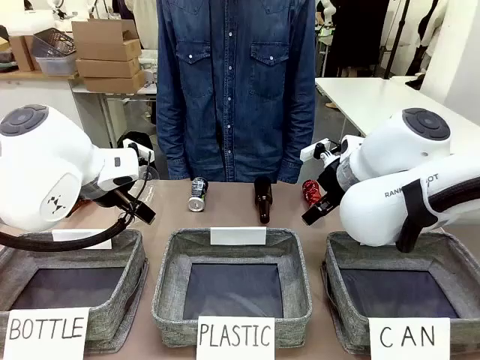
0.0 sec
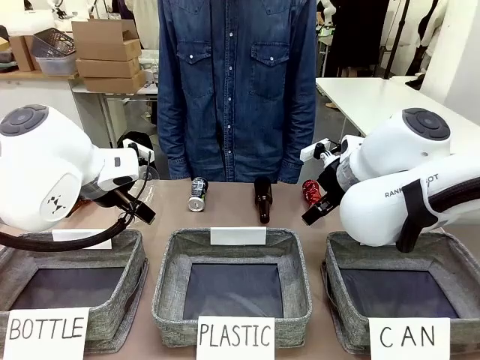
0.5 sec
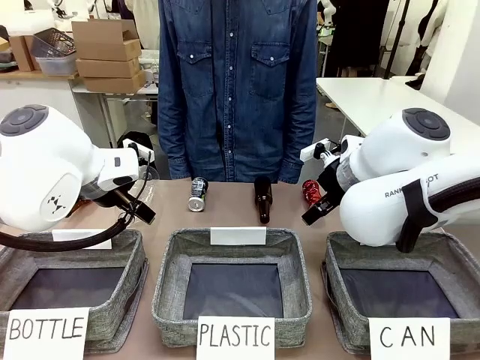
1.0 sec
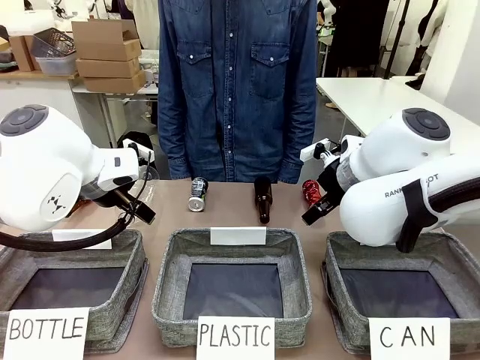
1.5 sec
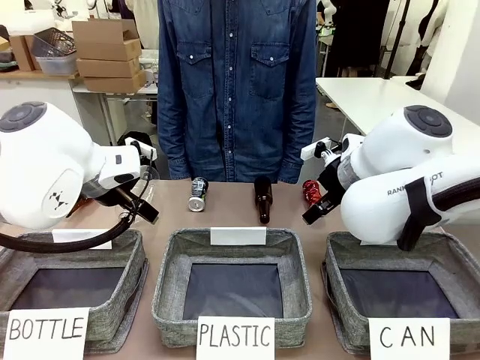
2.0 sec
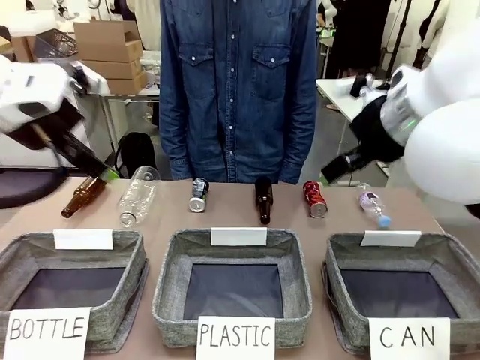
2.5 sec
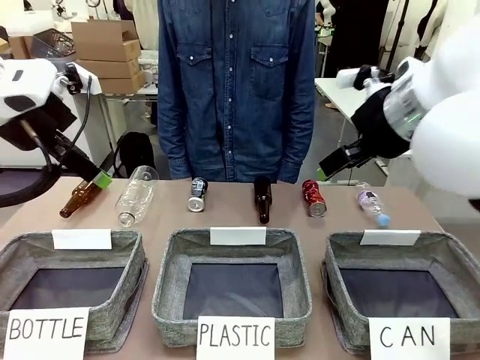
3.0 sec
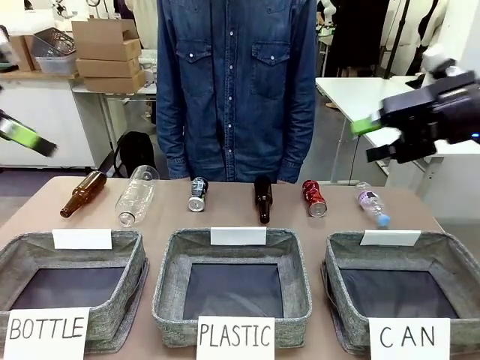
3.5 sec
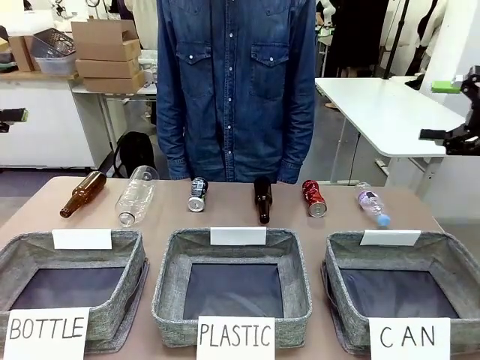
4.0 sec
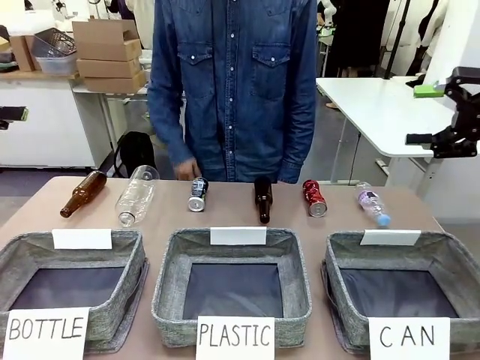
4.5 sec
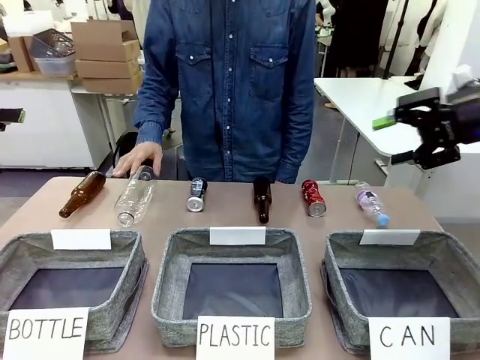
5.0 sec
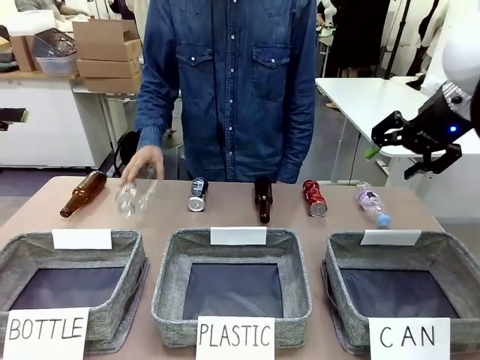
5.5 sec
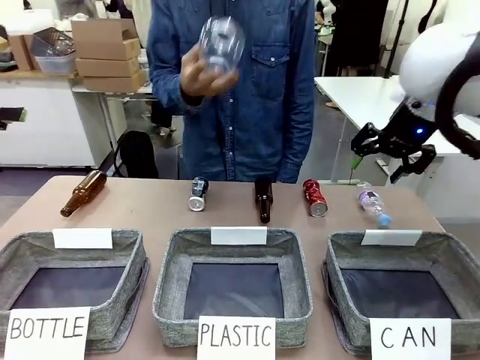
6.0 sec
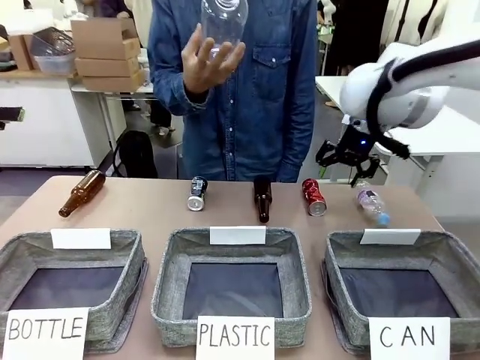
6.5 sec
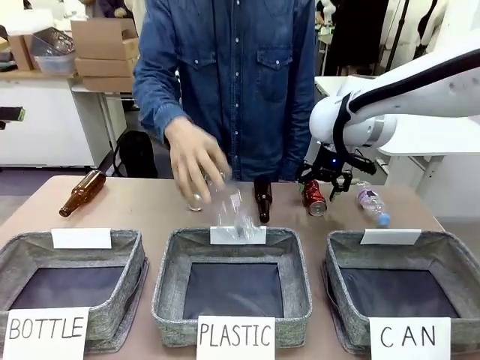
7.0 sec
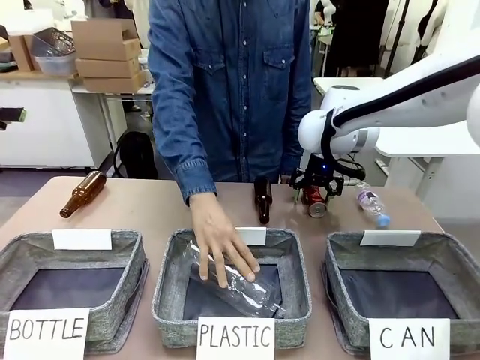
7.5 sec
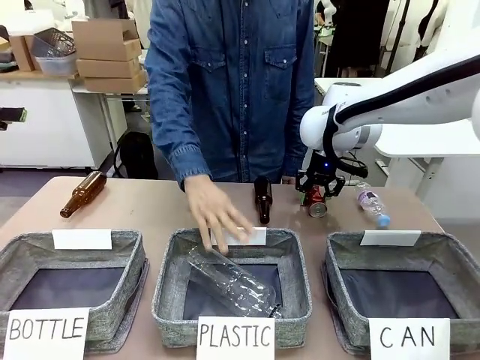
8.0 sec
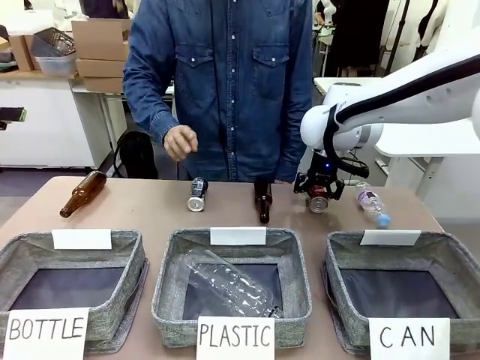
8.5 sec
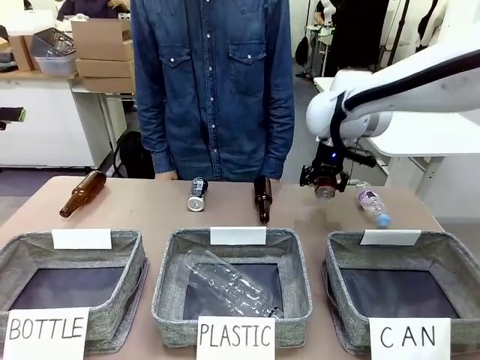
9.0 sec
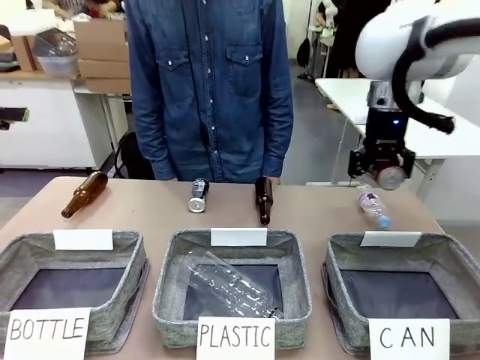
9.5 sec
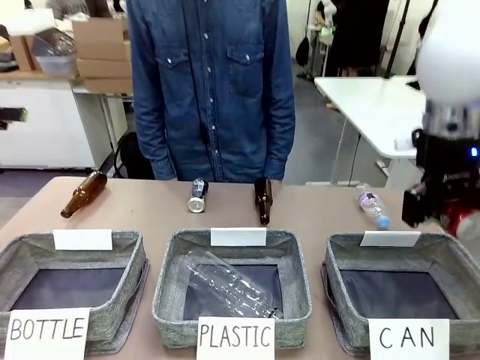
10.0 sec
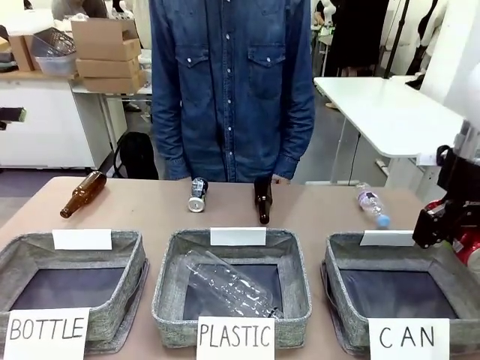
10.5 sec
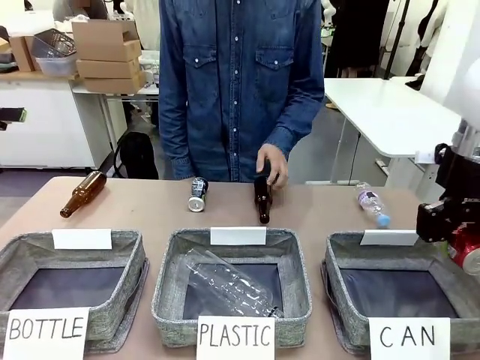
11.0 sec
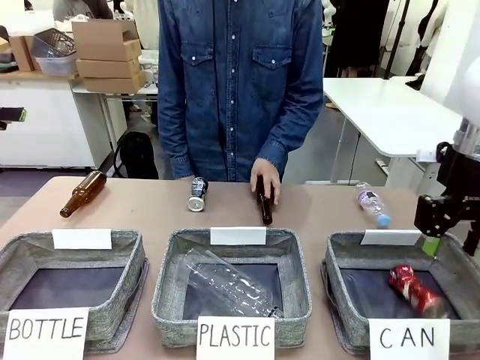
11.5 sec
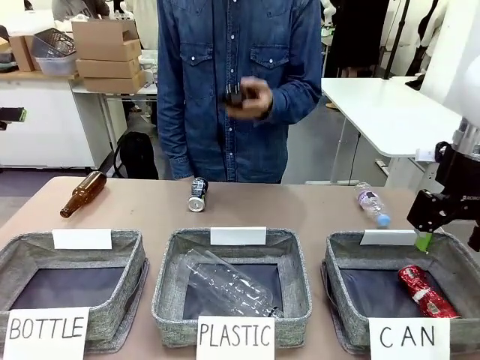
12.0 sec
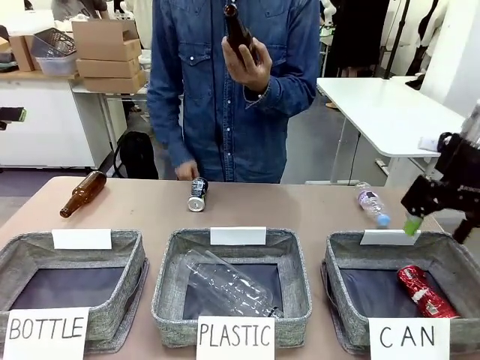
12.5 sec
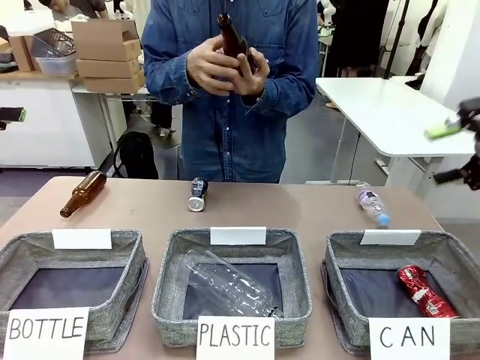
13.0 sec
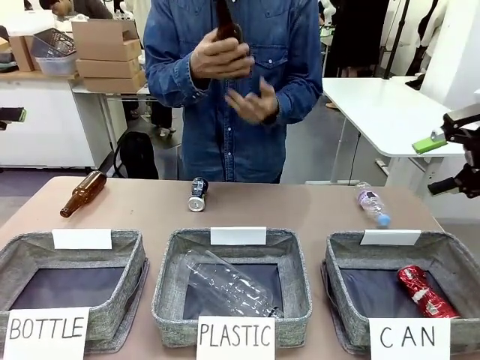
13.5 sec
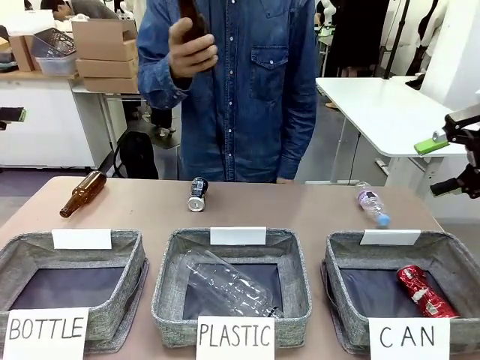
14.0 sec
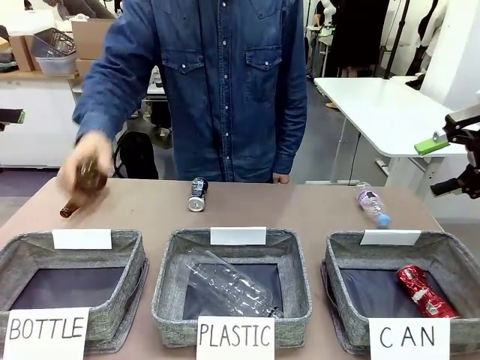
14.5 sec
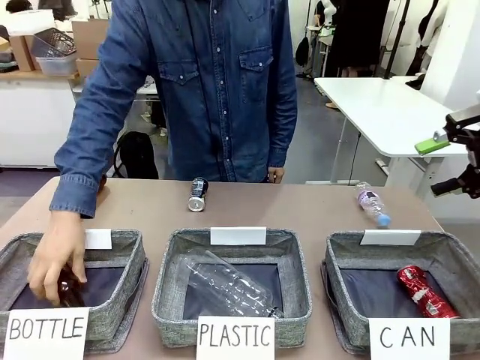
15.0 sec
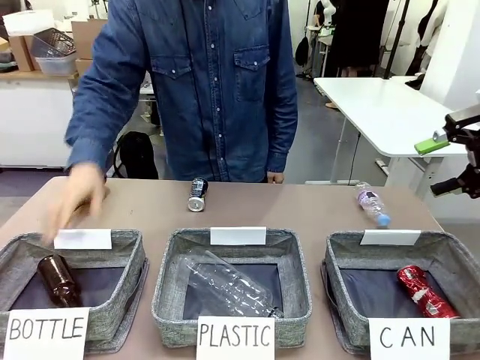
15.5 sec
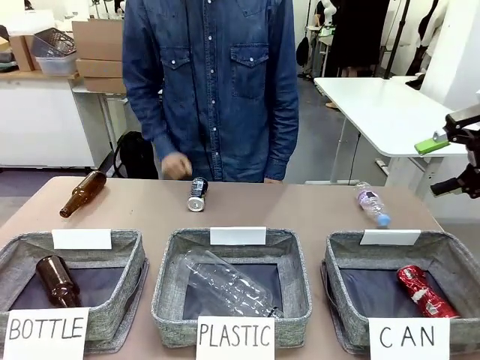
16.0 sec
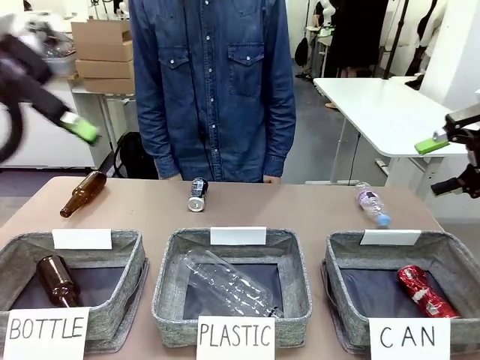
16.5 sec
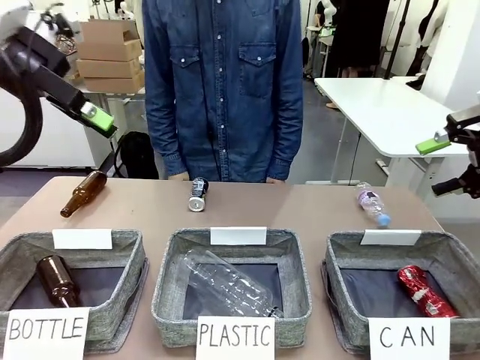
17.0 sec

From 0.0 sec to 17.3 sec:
Task: Sort the can waste into the basket.
Robot: Pick up the can waste from the table and place it in the right Fabric basket.

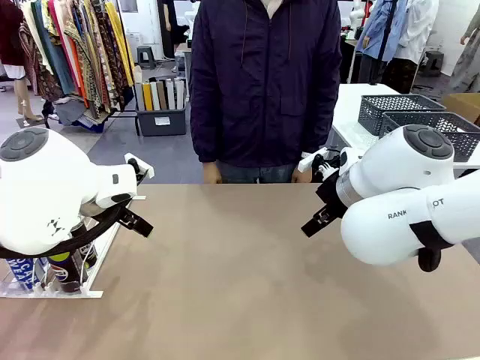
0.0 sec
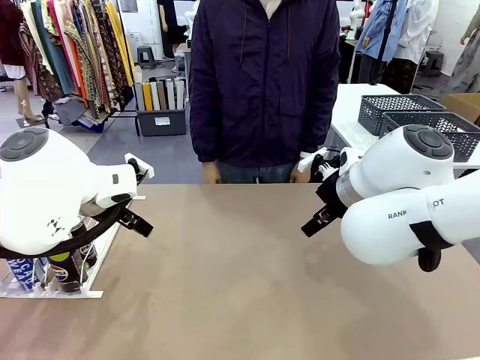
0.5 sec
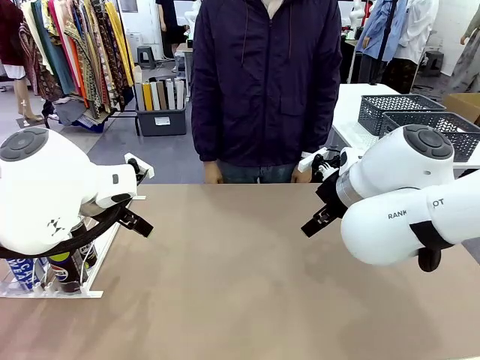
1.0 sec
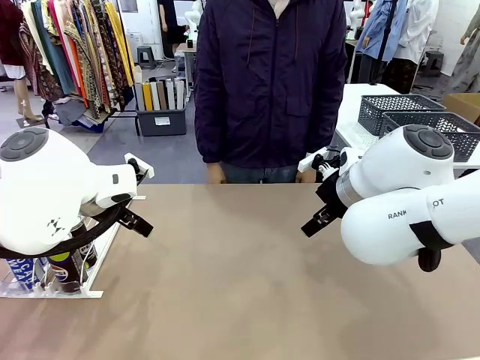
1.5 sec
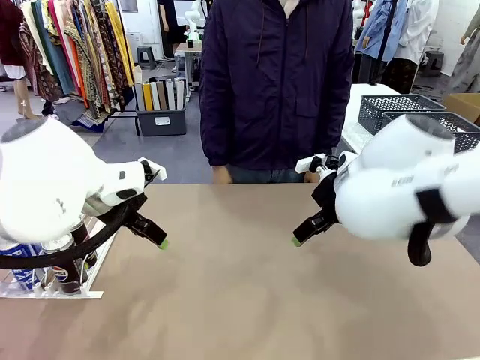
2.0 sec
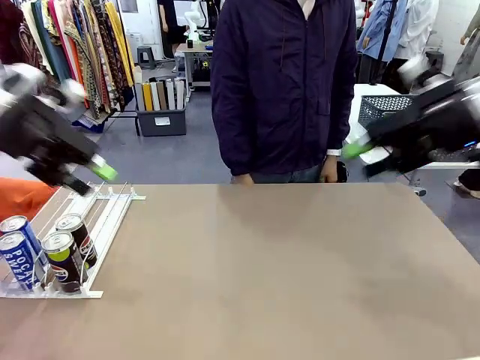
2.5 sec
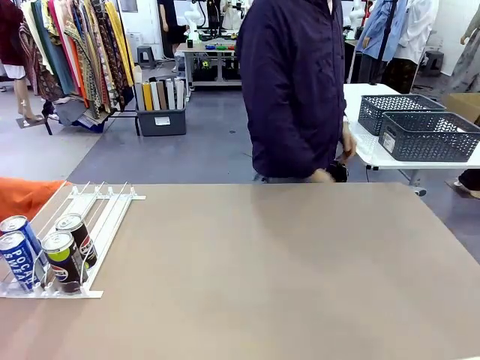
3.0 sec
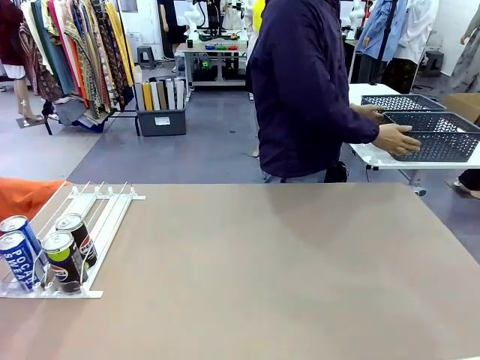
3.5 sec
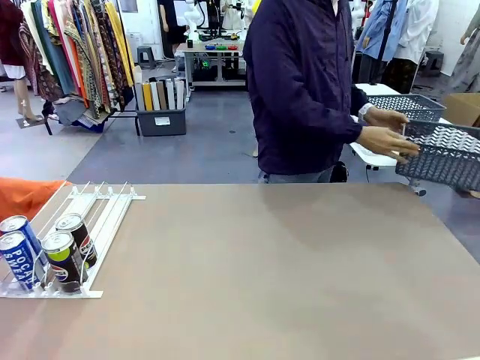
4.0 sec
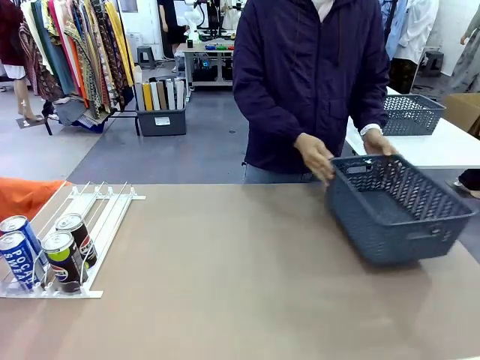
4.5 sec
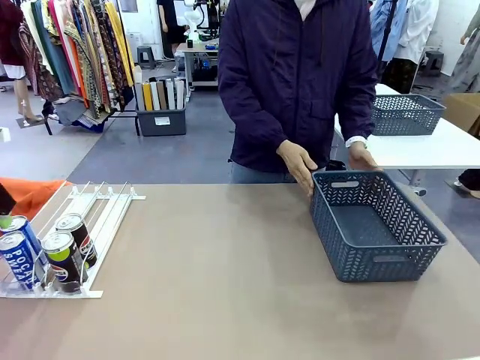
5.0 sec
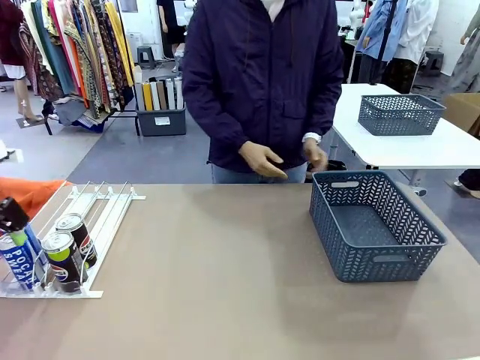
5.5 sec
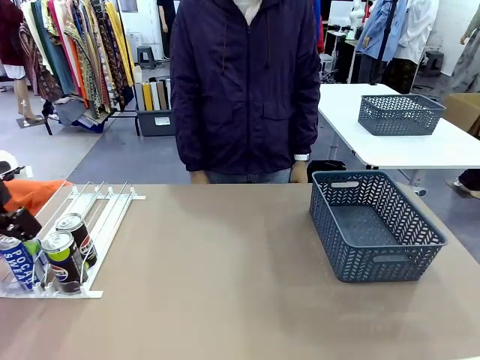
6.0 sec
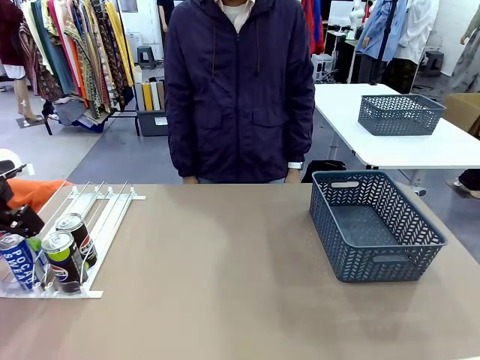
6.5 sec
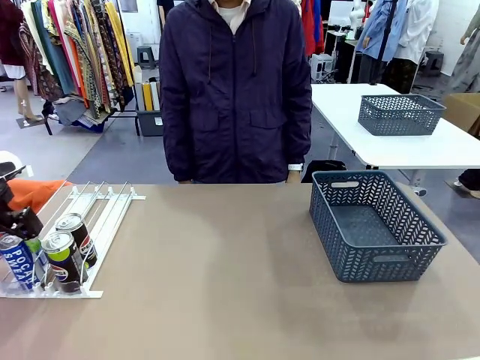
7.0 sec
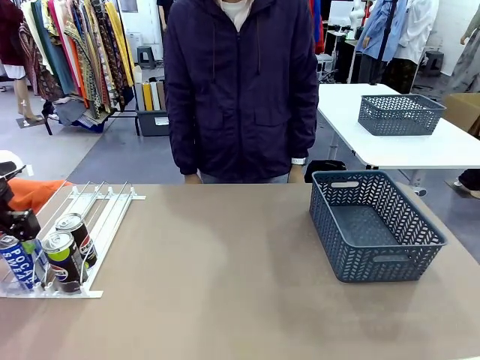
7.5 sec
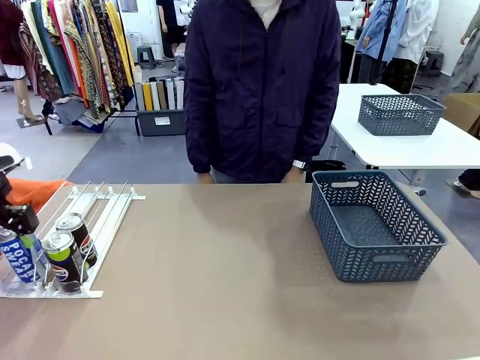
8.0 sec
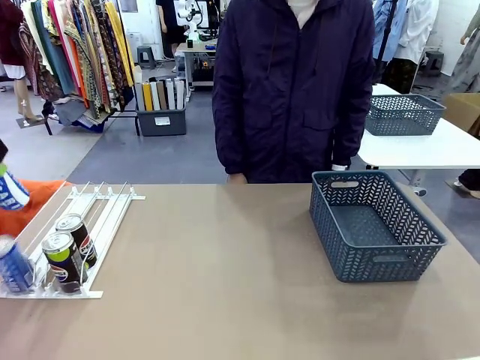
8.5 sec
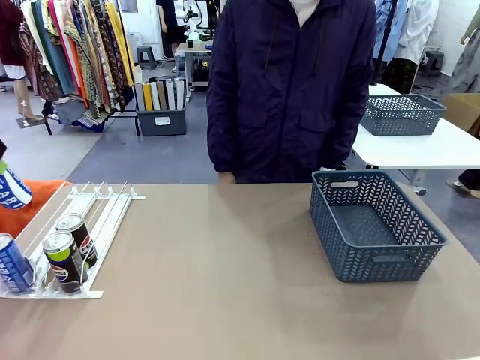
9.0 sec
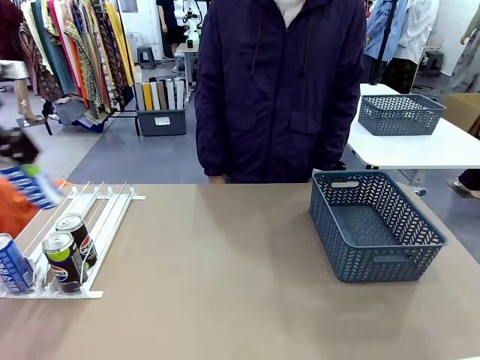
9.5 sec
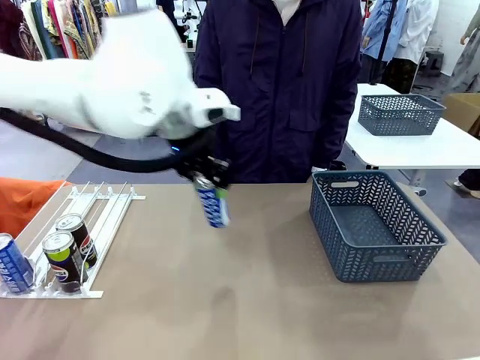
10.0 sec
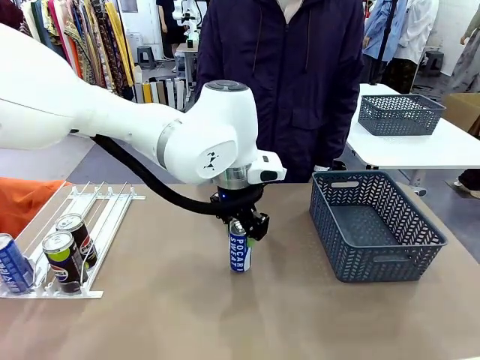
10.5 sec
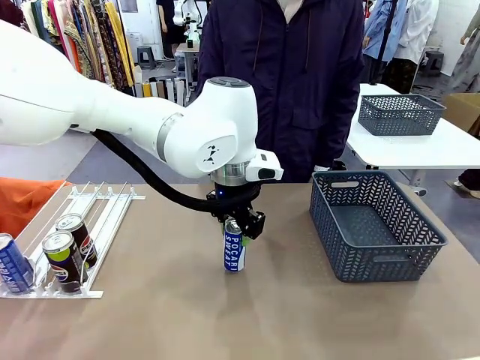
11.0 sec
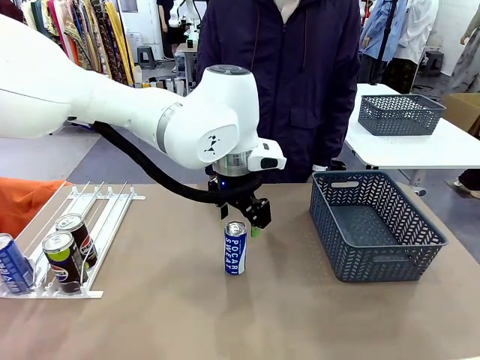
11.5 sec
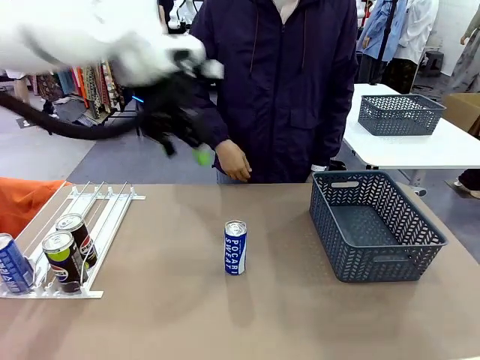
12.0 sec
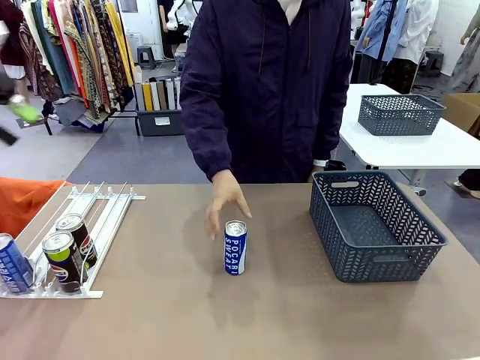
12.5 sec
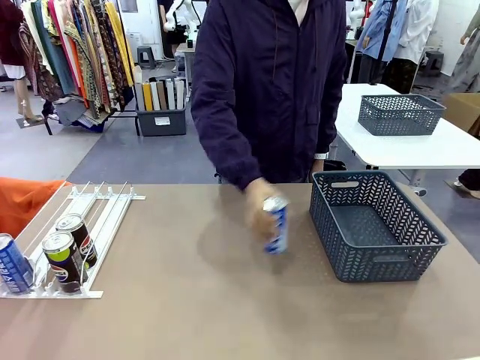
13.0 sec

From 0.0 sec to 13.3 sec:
Task: Retrieve and store the cans from the dispenser.
Robot: Pick up one can from the Automatic Can Dispenser and place it in the middle of the table.
Person: Pick up the basket and place it on the left side of the robot table.
